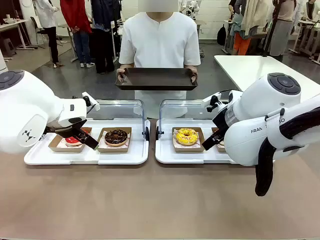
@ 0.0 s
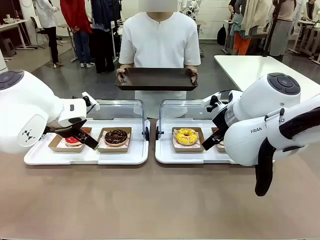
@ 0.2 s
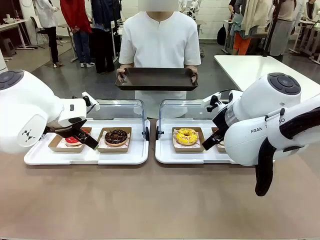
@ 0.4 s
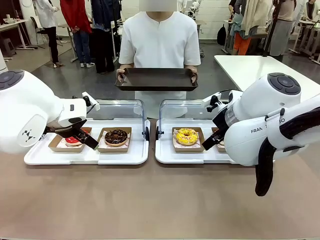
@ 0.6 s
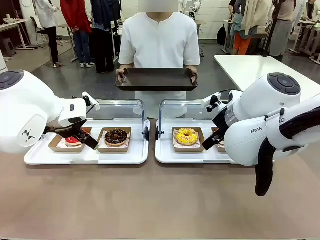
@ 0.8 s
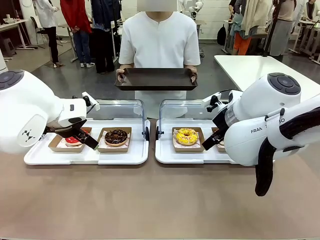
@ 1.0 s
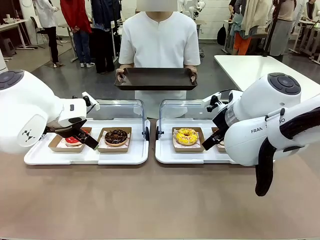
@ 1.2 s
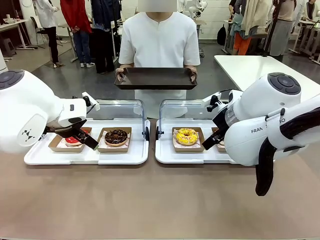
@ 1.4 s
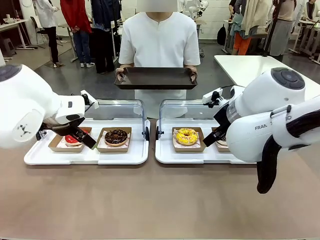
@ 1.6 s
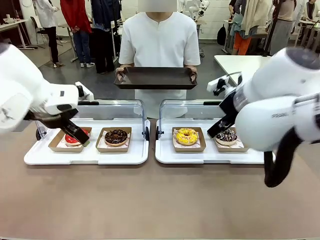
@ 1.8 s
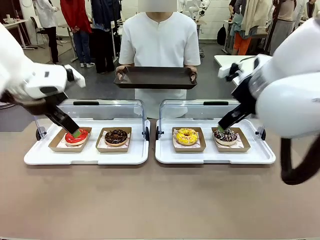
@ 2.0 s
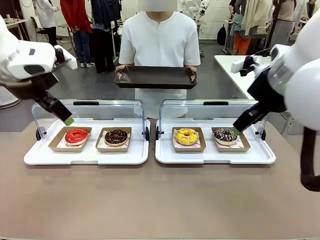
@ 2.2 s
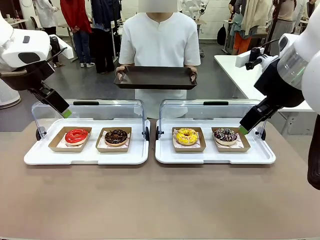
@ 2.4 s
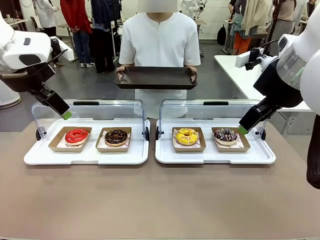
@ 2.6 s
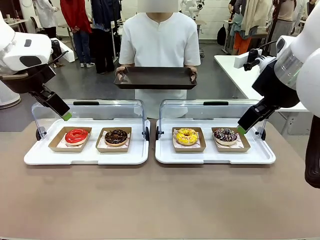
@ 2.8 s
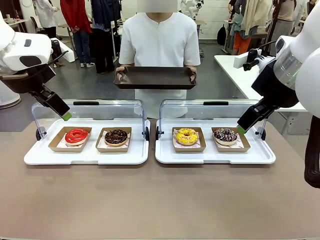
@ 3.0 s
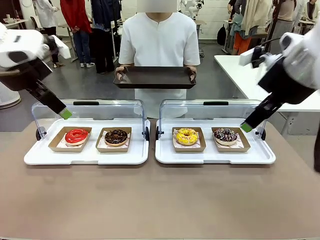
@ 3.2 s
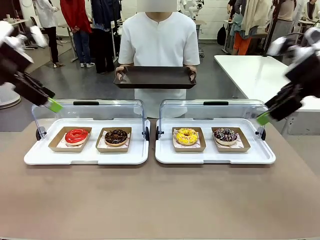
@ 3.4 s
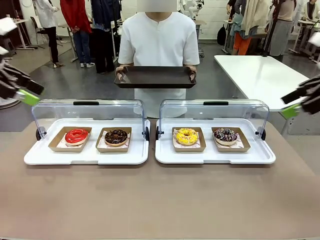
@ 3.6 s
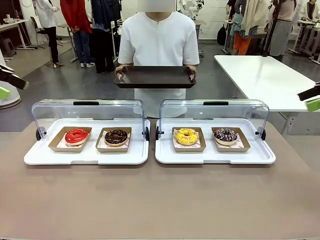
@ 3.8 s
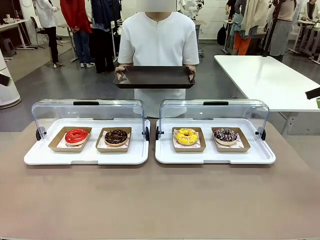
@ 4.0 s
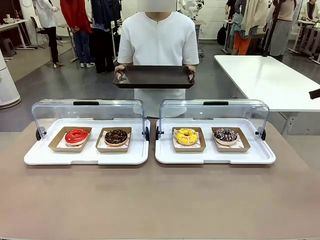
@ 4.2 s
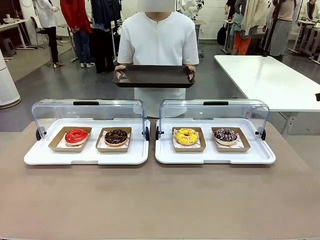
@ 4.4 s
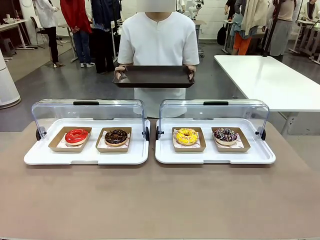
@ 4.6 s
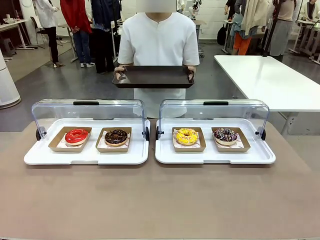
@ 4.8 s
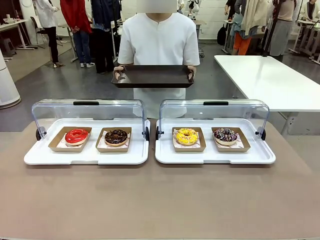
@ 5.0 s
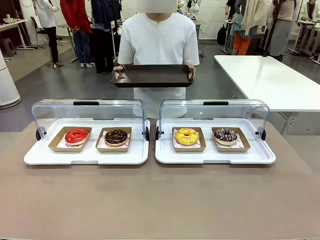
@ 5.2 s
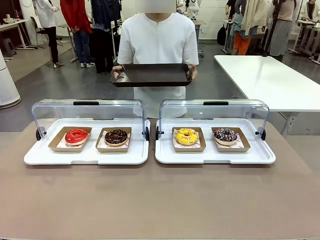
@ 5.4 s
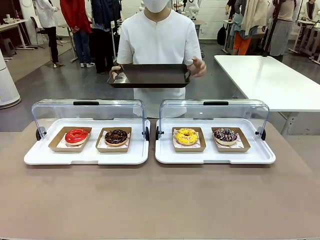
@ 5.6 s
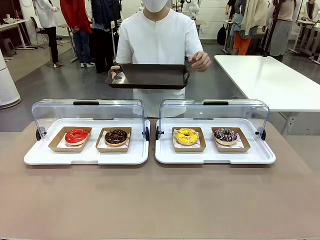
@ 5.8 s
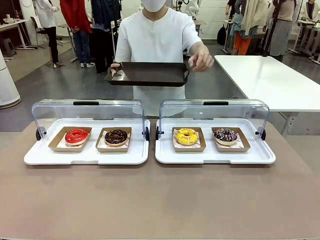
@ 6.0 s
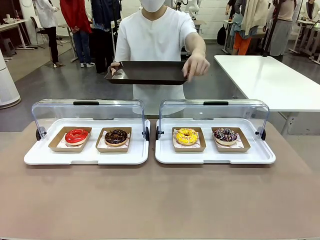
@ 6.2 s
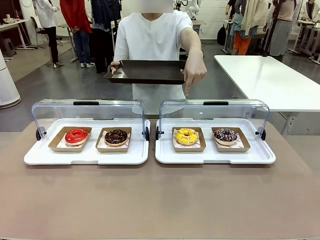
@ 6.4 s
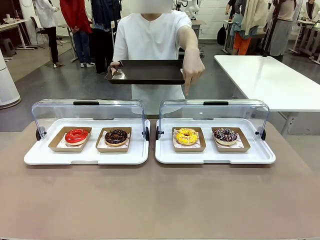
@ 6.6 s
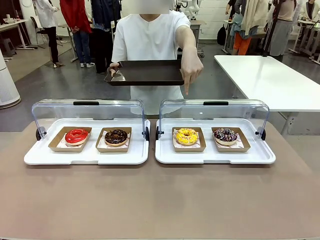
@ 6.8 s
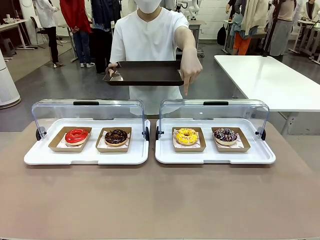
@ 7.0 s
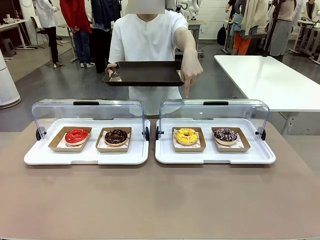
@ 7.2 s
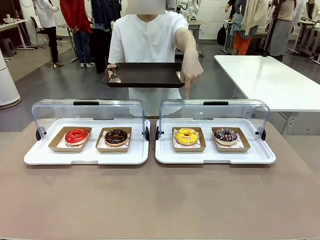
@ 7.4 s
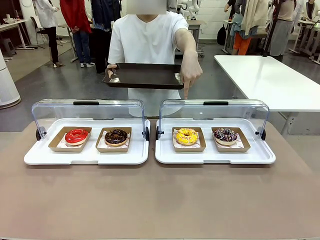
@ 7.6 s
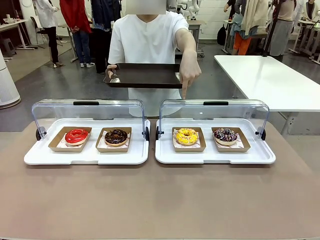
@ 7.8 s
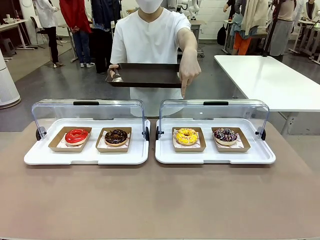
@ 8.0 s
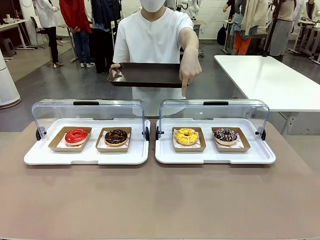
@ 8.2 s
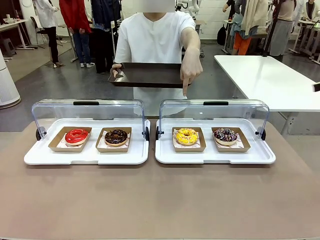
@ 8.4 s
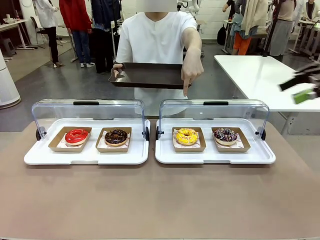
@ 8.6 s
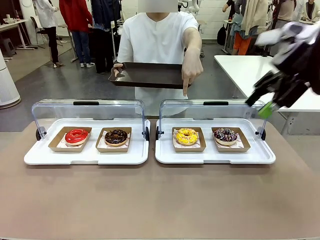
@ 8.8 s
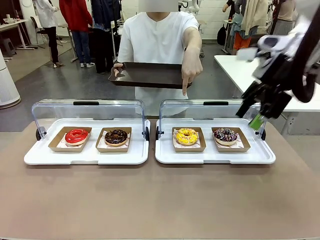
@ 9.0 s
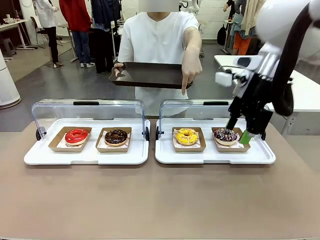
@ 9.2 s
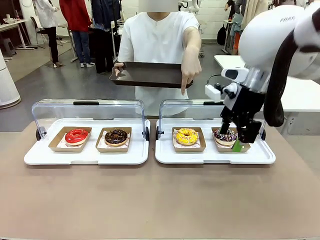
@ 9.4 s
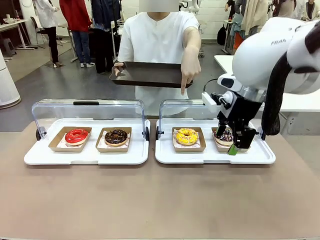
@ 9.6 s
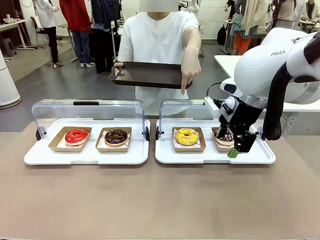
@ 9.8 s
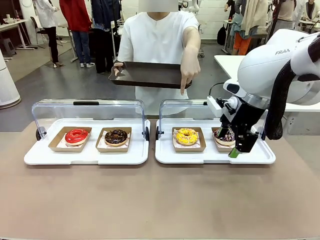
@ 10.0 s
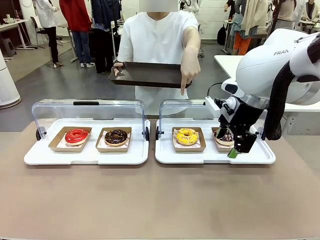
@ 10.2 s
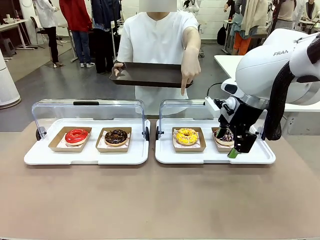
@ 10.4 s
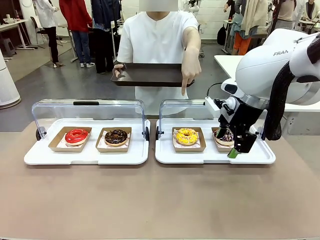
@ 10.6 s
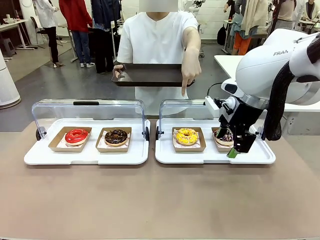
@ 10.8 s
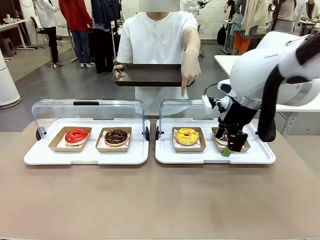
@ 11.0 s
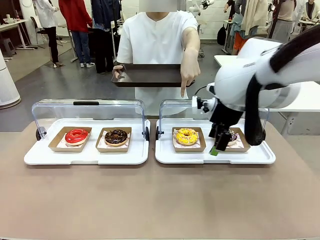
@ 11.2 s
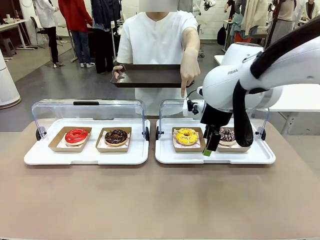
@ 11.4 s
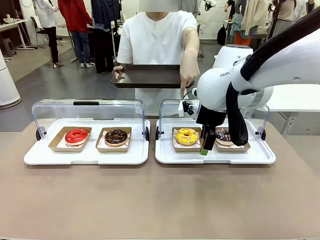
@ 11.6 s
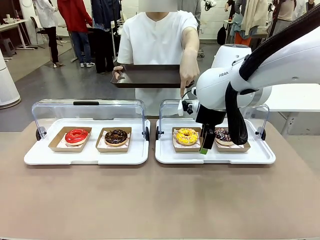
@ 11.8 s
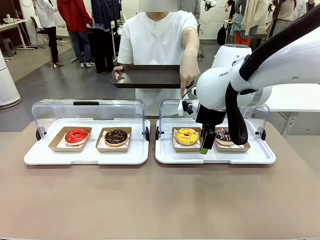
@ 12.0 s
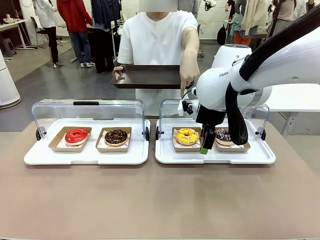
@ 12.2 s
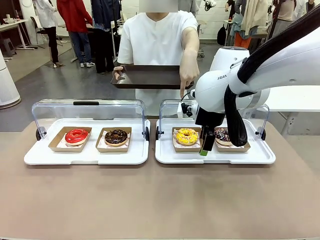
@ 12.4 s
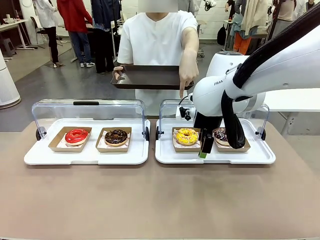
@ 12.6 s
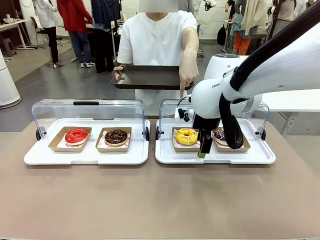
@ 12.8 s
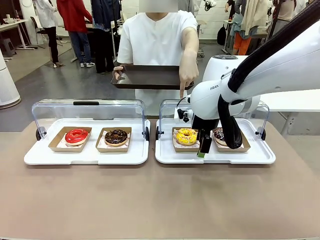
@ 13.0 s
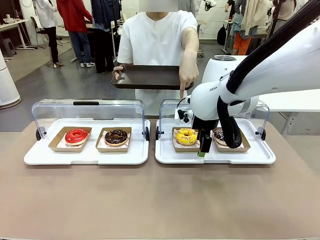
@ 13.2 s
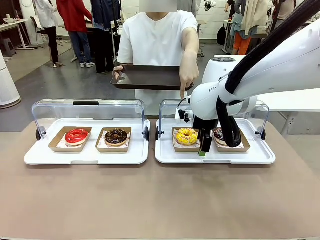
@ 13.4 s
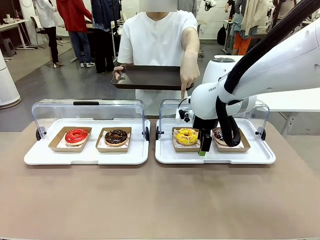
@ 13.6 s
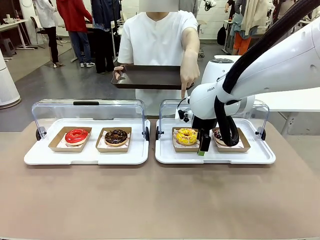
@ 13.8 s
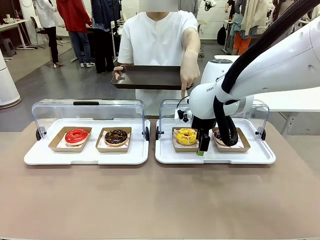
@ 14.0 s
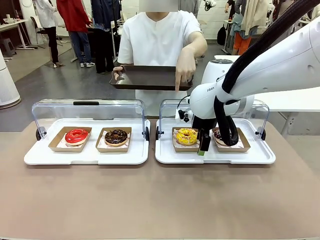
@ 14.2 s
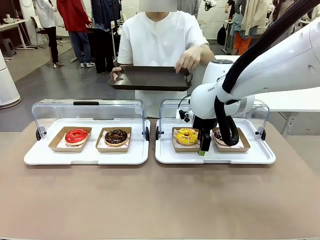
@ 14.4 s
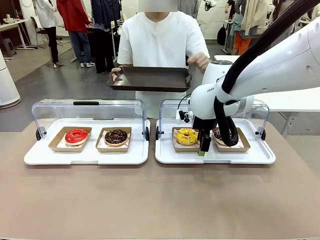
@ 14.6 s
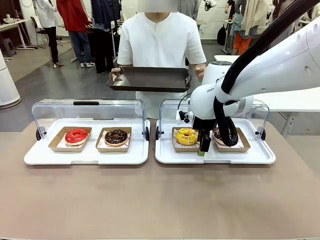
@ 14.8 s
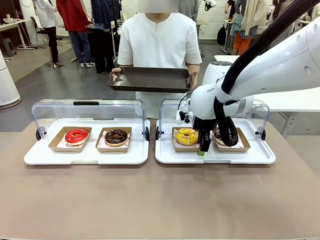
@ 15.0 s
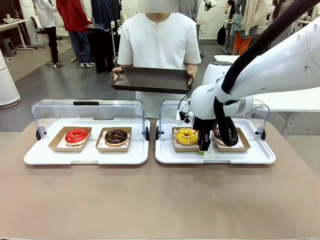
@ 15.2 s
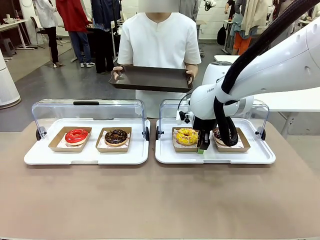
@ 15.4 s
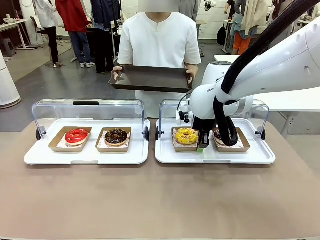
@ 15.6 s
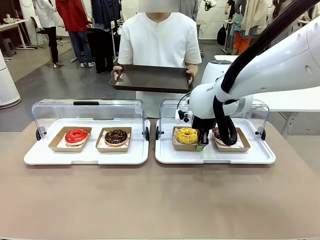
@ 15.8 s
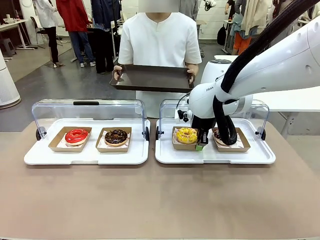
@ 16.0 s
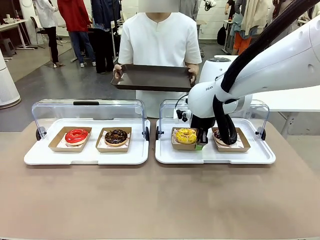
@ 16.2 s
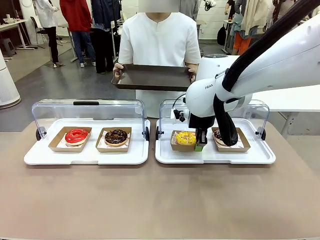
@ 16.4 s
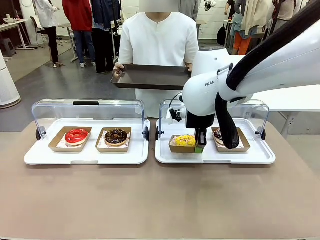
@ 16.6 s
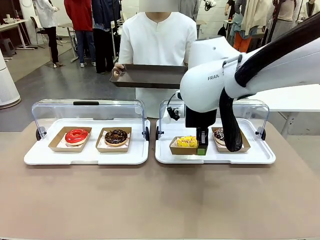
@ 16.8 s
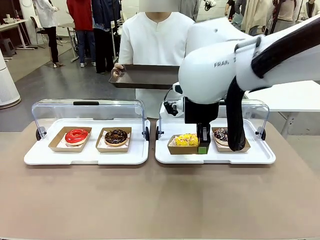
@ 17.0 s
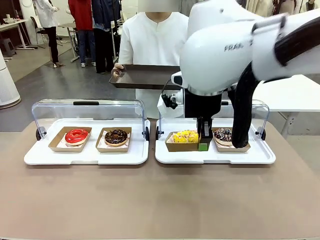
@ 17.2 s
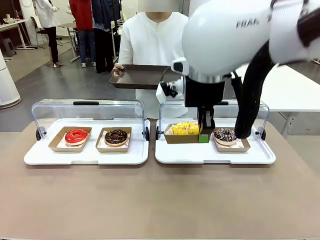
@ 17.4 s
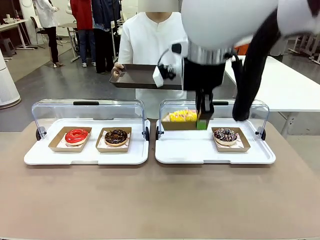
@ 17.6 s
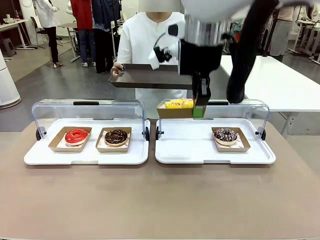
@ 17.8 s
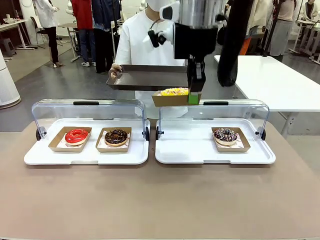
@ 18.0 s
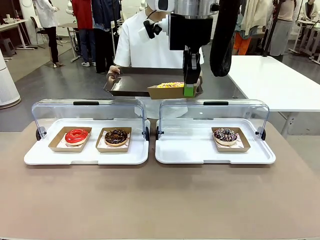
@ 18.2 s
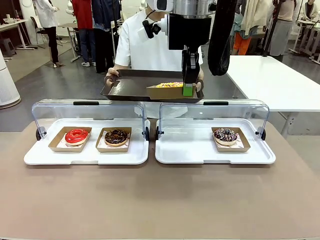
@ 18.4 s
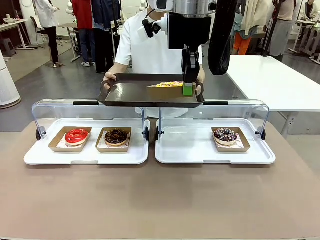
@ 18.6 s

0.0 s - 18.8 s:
Task: Provide the desired donut to the person.
Robot: Pick up and lift the Paper togo box containing the Donut pointed at by the person.
Person: Point to one donut. Lift the tray onto the Roll-Top Bakery Case.
